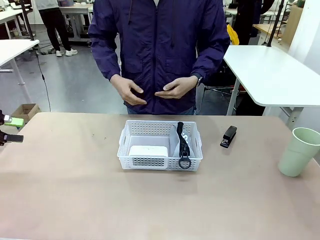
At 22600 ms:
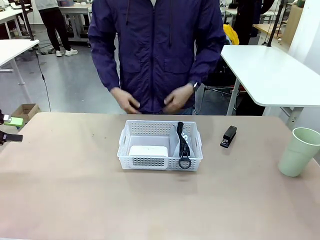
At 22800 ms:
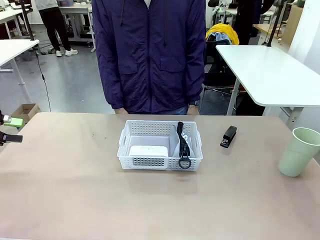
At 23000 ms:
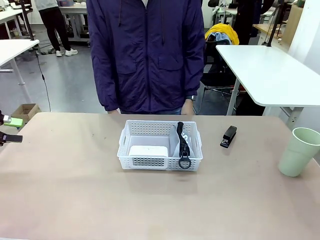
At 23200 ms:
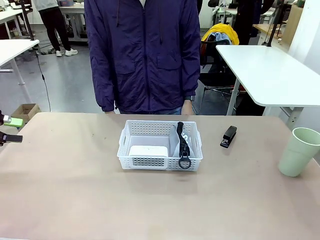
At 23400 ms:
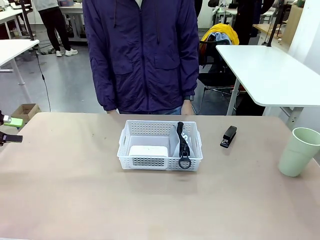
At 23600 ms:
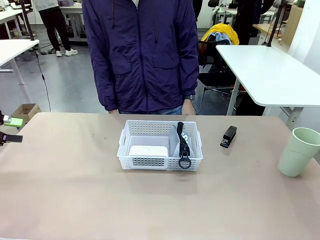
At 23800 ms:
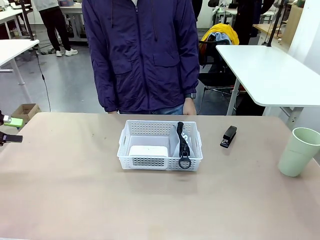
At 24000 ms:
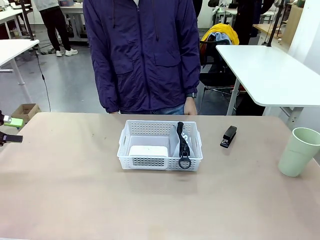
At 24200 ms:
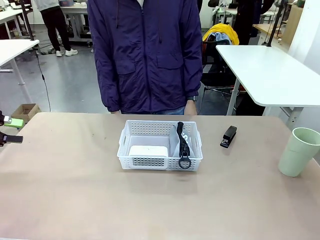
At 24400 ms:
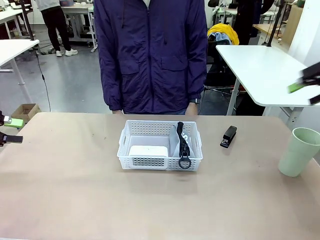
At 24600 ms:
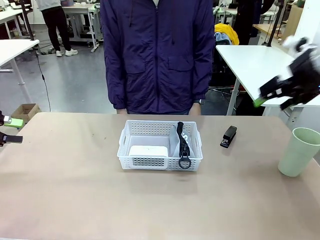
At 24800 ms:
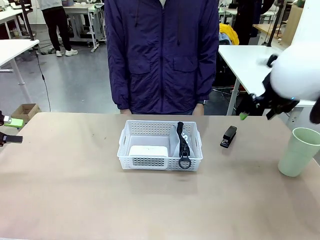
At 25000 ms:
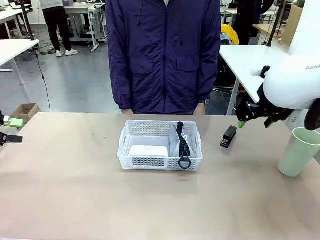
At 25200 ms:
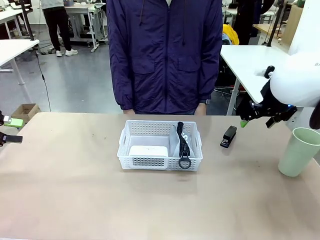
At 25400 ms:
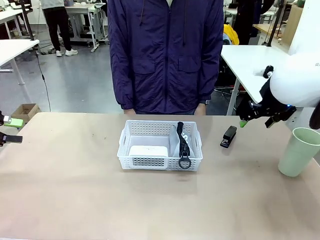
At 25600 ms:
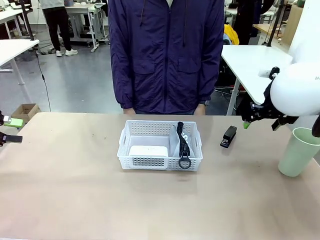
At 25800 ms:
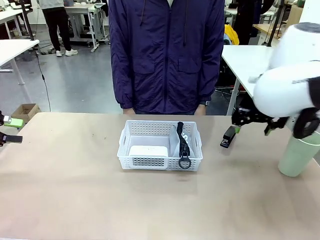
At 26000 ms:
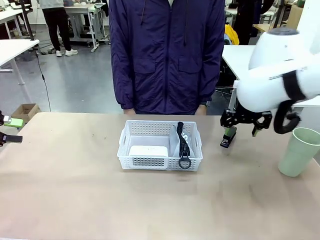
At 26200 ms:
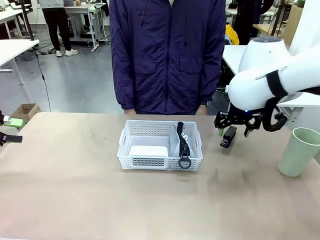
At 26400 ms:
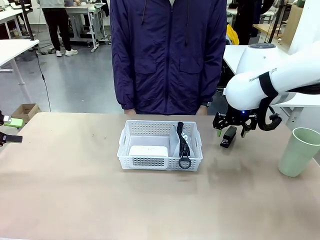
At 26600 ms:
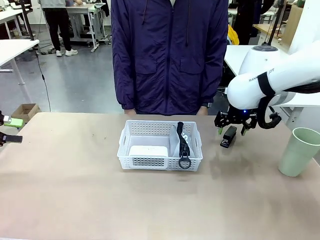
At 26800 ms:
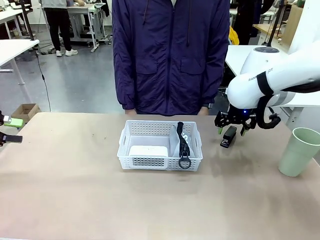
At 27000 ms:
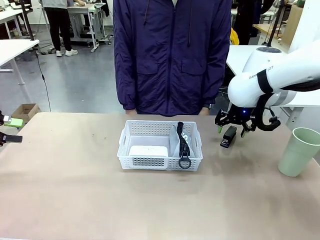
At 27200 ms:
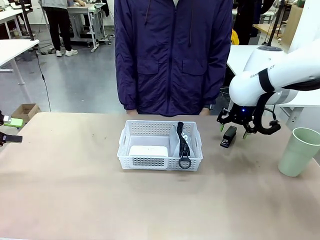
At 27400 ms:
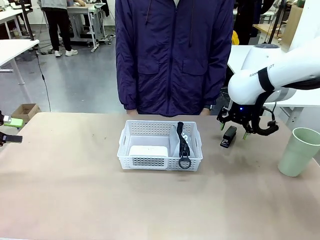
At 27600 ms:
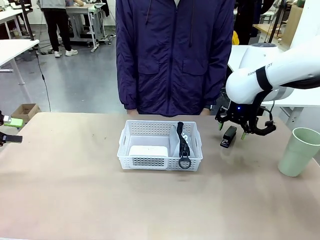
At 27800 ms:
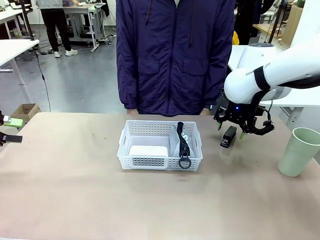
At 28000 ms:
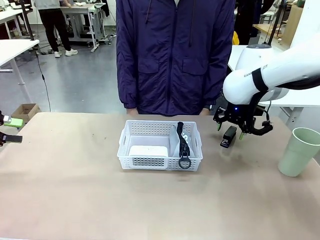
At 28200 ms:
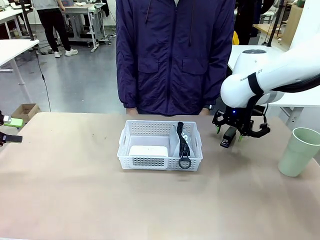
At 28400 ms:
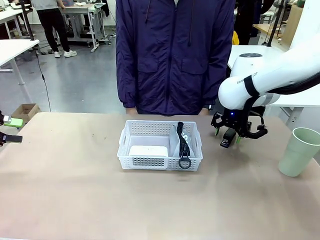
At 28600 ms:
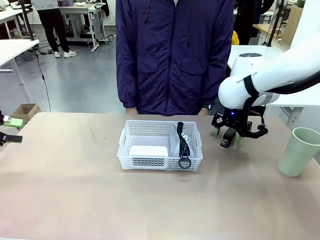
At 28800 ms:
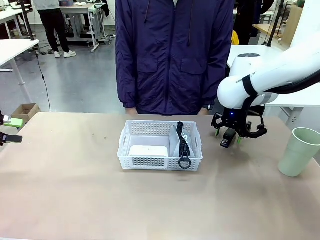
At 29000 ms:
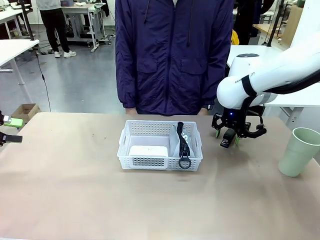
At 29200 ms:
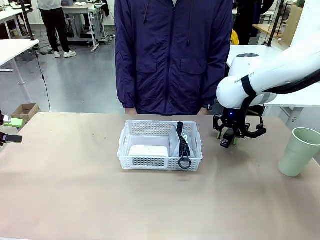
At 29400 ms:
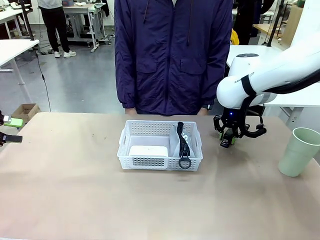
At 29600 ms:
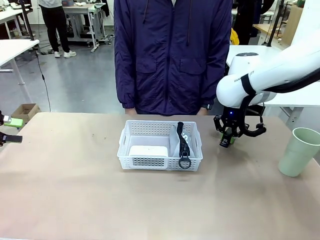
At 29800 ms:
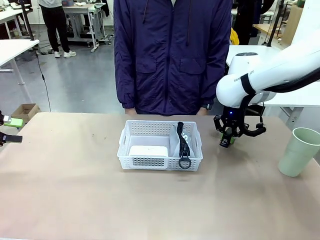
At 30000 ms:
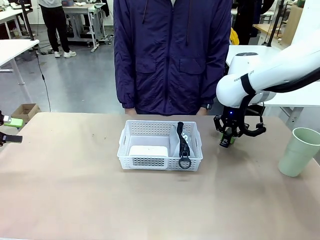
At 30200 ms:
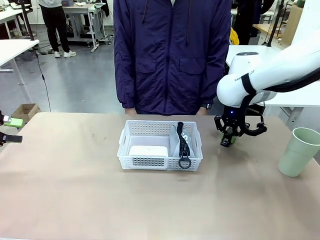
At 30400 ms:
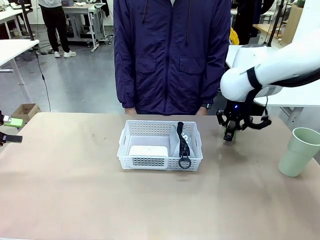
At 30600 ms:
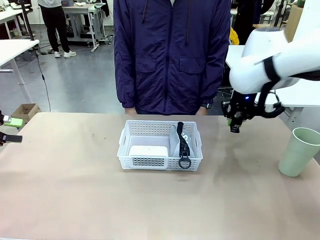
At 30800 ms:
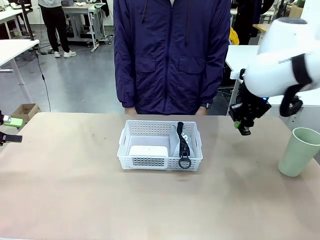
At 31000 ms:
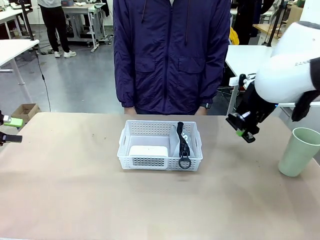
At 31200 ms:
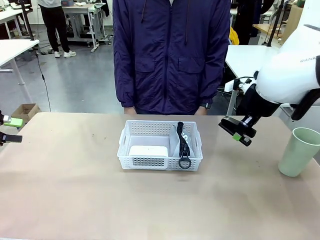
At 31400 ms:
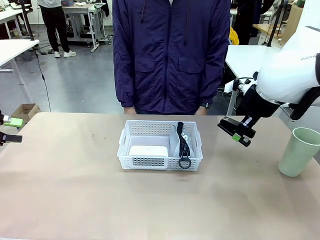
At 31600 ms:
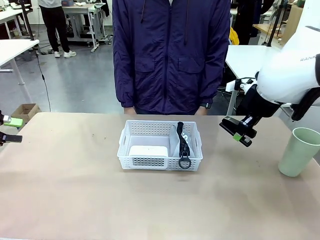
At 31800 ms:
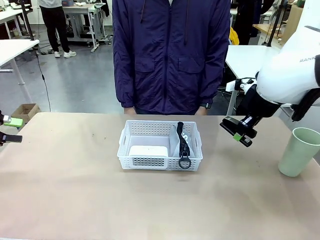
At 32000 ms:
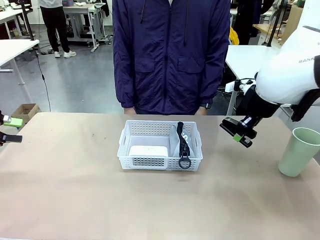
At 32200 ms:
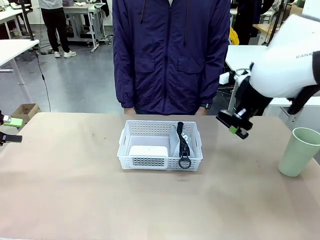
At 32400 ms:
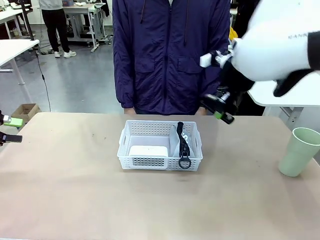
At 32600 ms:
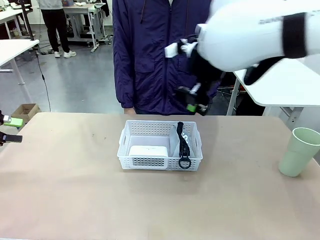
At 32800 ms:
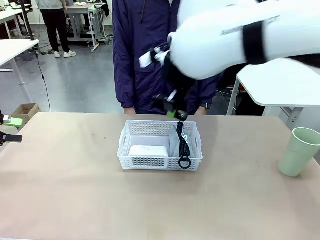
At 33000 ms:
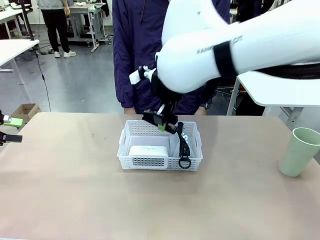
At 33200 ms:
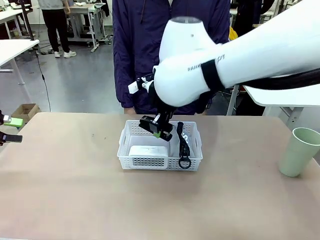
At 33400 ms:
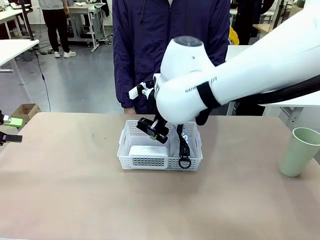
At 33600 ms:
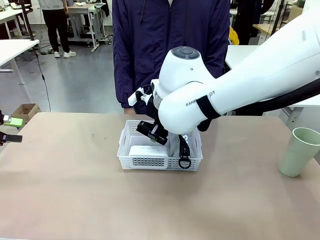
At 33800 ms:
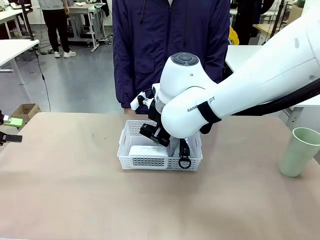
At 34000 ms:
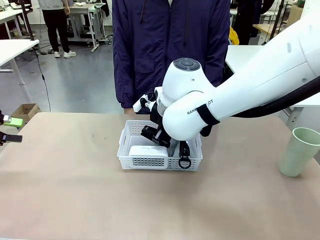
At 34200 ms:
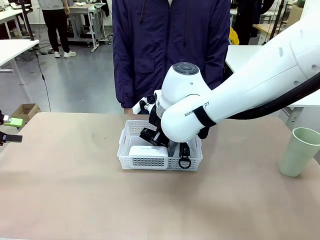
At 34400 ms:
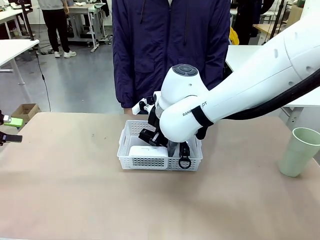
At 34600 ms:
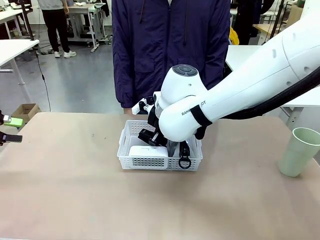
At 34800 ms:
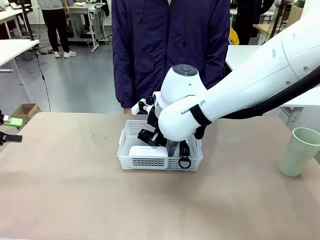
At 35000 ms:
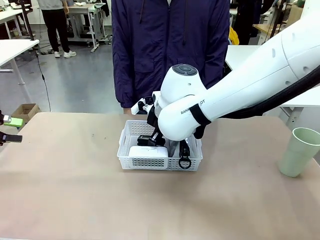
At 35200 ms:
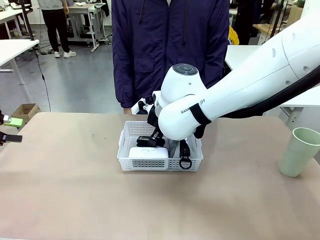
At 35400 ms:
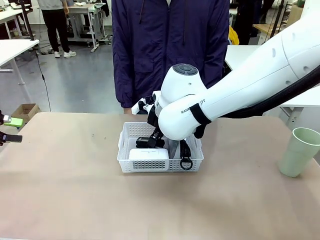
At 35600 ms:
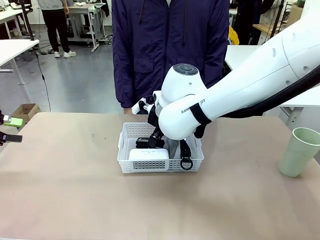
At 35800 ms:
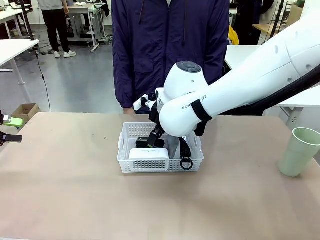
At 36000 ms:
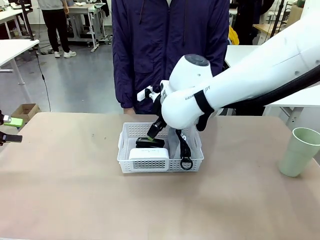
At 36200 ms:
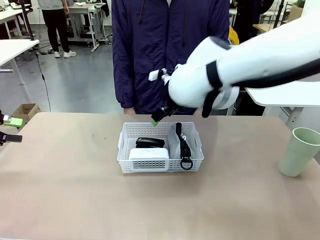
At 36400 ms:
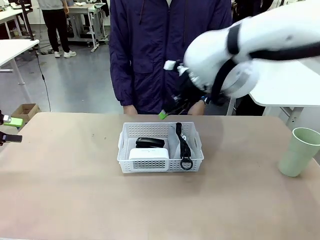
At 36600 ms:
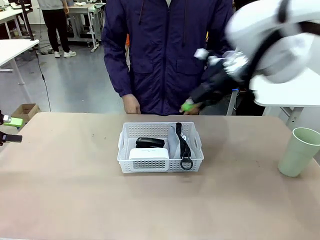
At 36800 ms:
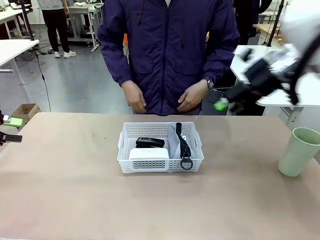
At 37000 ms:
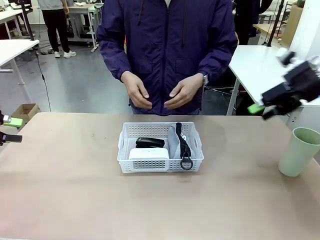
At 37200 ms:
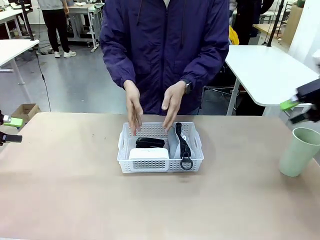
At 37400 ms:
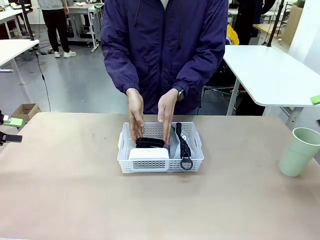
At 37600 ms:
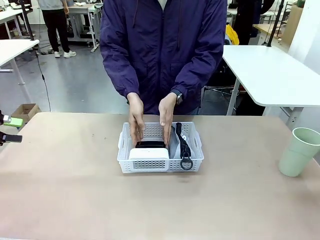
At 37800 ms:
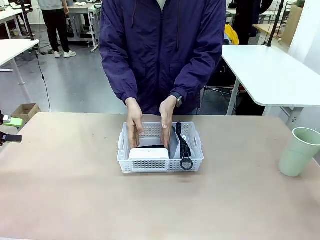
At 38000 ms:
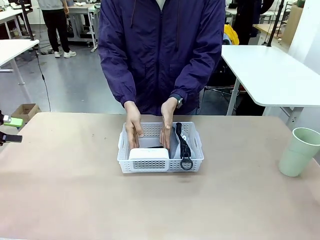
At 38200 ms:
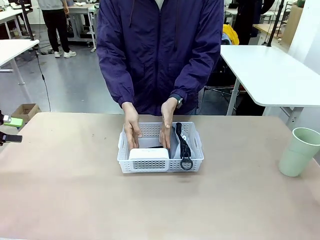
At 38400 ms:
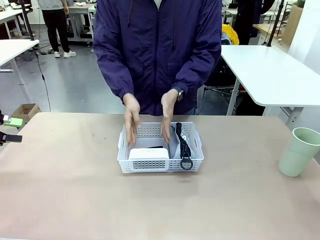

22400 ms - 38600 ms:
Task: Efficiently arrange items inside the basket to fit them all.
Robot: Pick up the Stapler and place it inside the Organizing basket.
